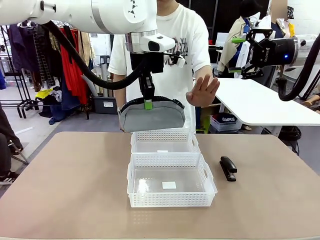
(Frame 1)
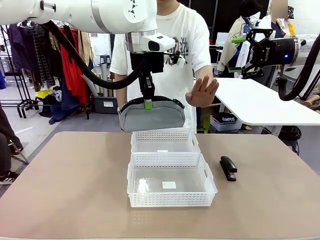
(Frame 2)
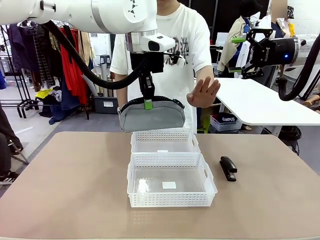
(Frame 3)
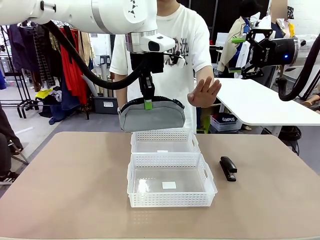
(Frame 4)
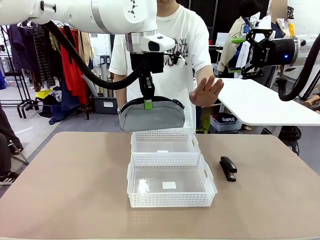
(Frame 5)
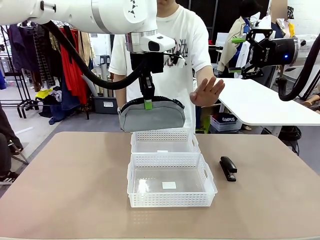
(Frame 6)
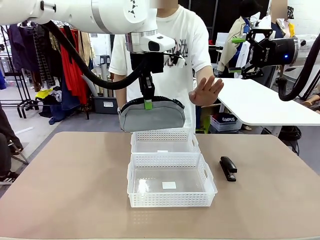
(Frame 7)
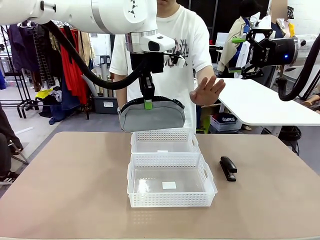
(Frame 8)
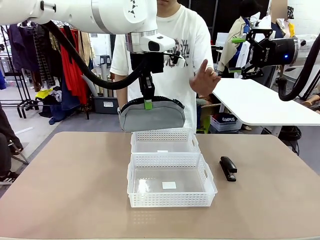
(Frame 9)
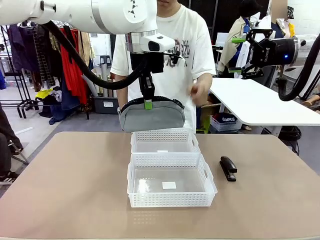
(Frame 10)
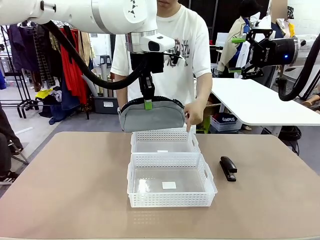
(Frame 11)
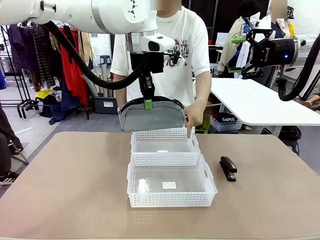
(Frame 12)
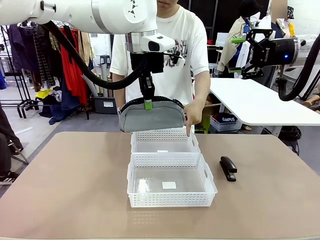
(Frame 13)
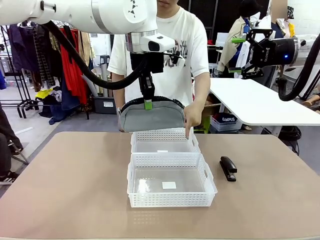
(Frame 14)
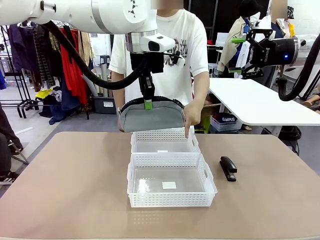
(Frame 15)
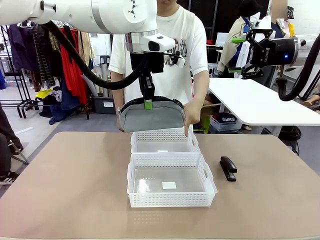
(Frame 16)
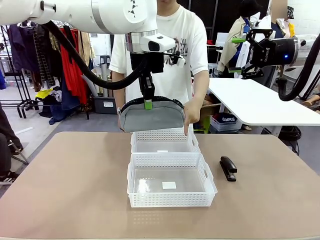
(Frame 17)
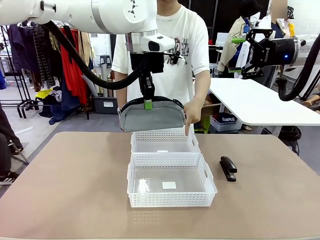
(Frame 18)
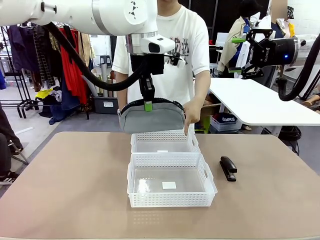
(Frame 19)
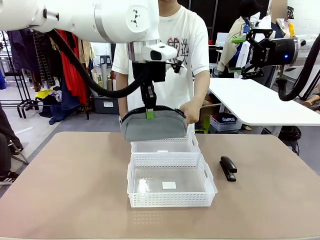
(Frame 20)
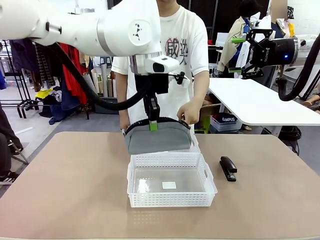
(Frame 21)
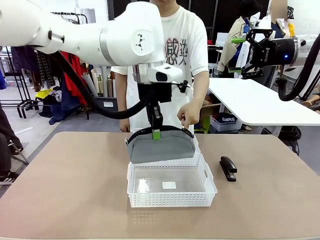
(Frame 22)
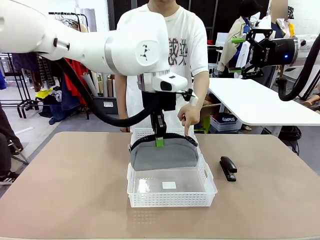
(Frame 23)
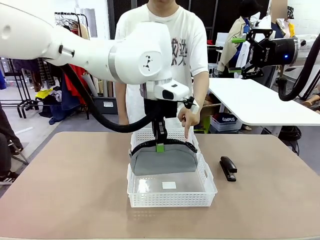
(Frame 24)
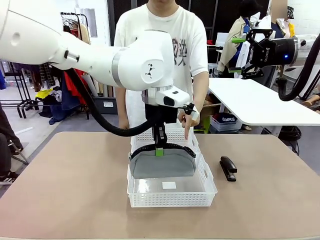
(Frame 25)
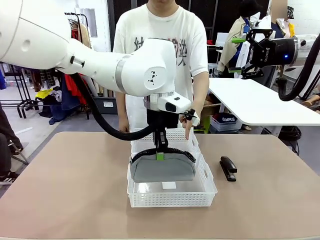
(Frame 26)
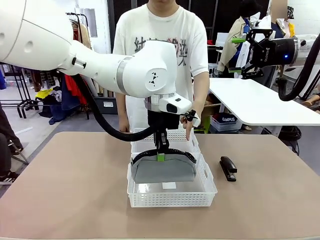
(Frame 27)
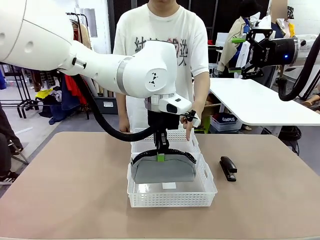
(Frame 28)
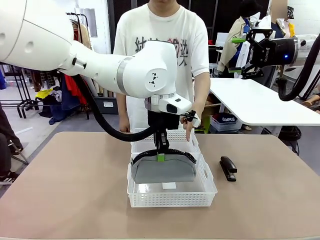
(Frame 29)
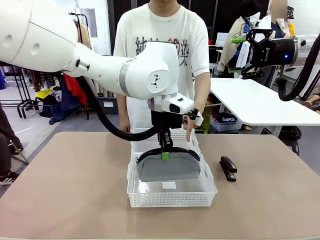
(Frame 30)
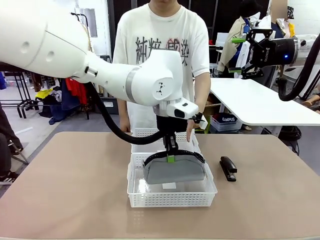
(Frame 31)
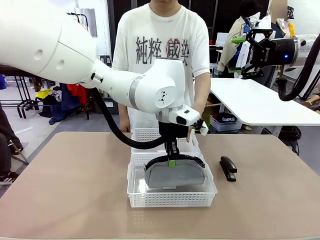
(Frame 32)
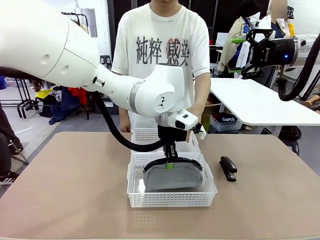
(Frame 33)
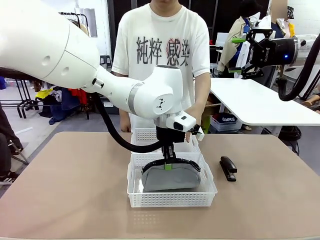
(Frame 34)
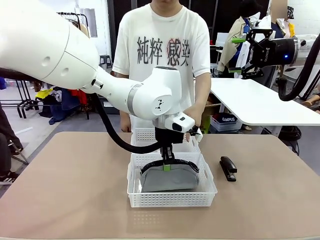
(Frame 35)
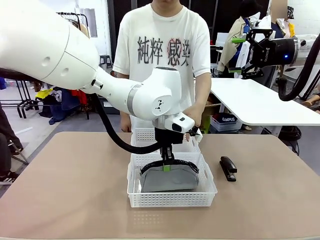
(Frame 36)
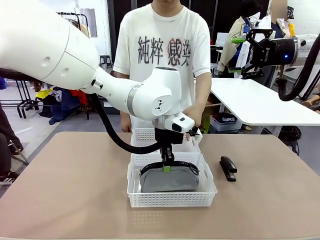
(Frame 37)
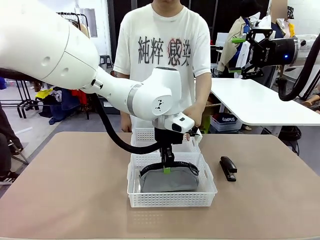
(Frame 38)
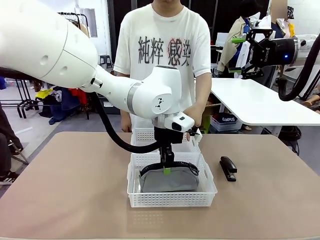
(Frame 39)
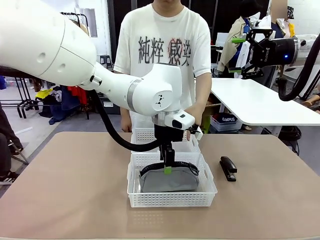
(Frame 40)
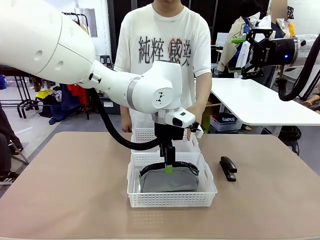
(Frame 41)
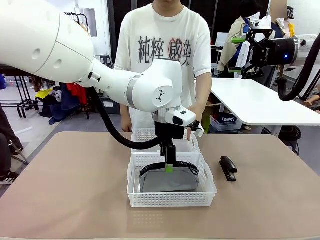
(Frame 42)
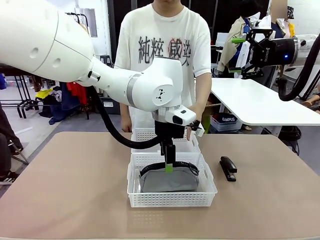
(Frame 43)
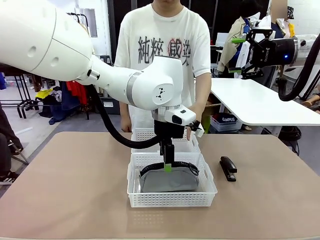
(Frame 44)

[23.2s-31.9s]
Task: Distribute items into two baskets.
Robot: Place the picked Pencil pouch into the Organizing basket as instructed by the person.
Person: Instructs the robot to place the pencil case into the opposite basket.

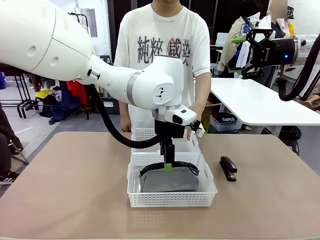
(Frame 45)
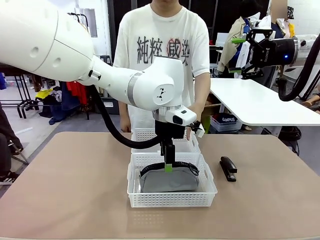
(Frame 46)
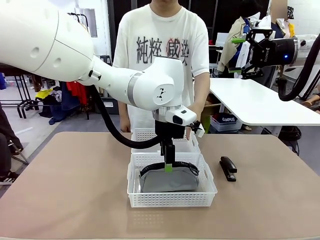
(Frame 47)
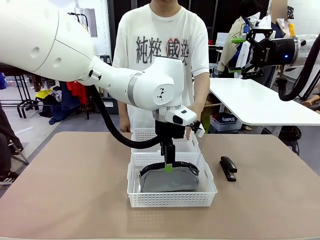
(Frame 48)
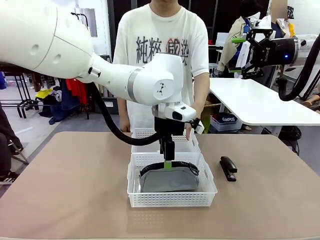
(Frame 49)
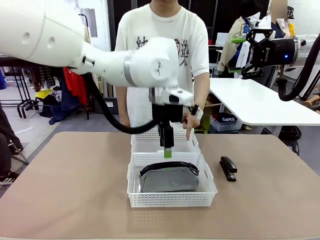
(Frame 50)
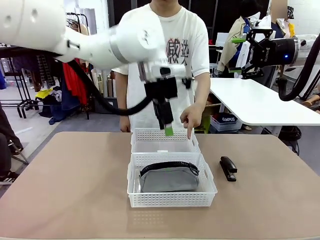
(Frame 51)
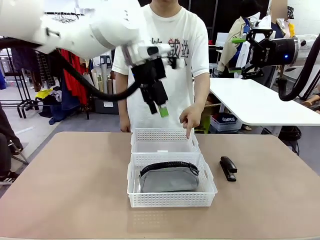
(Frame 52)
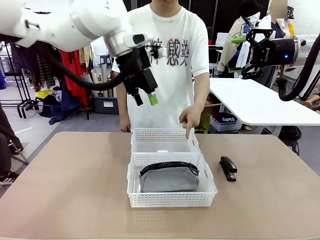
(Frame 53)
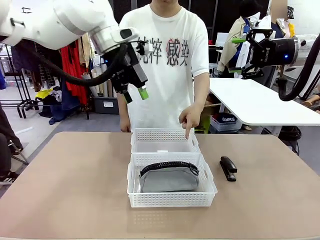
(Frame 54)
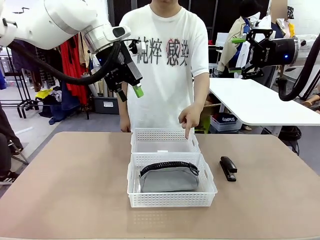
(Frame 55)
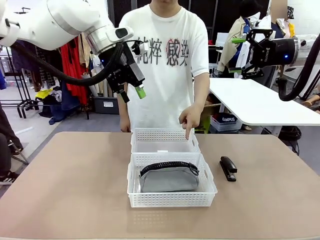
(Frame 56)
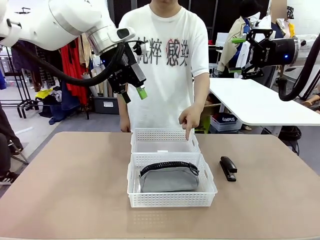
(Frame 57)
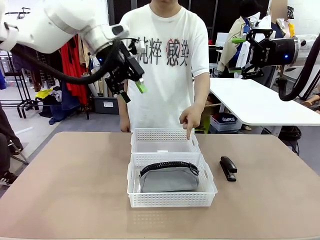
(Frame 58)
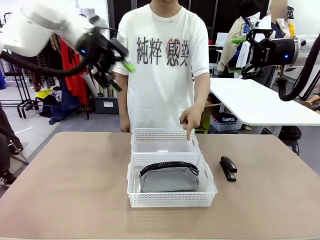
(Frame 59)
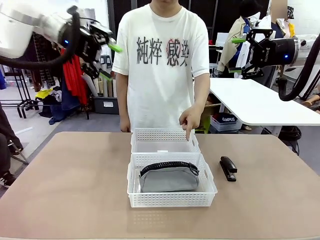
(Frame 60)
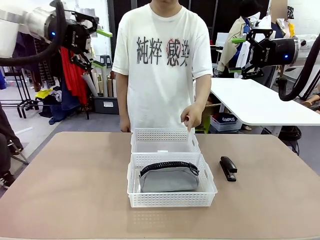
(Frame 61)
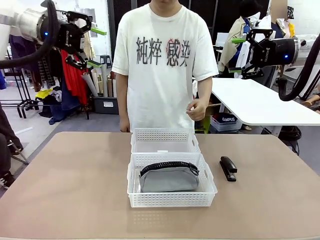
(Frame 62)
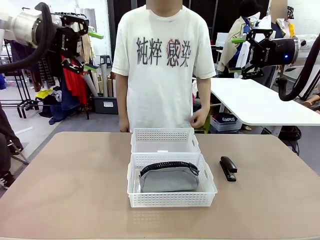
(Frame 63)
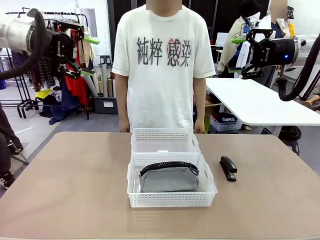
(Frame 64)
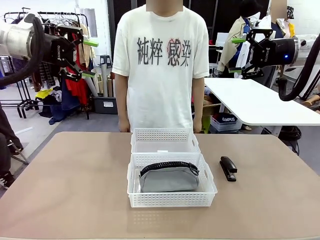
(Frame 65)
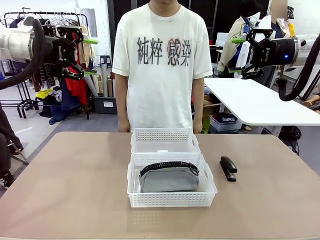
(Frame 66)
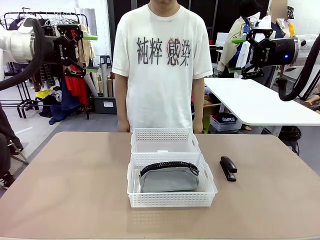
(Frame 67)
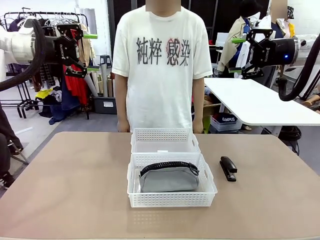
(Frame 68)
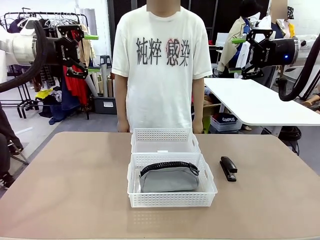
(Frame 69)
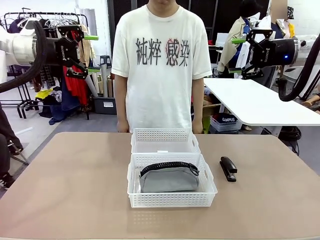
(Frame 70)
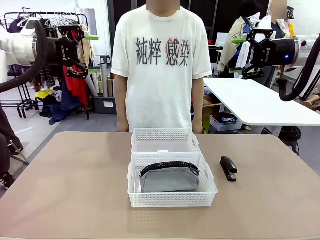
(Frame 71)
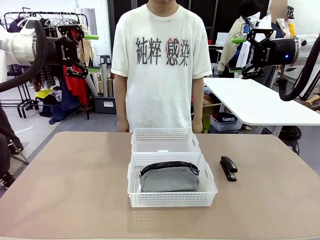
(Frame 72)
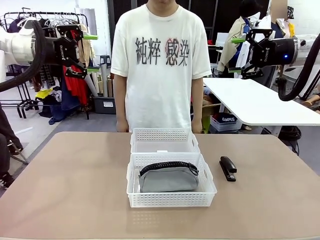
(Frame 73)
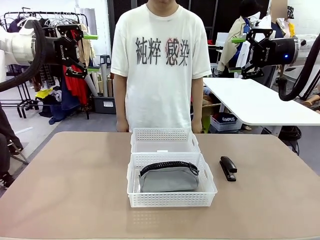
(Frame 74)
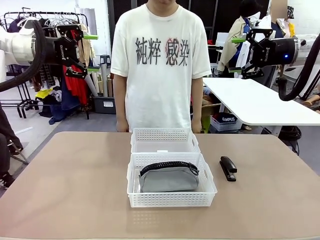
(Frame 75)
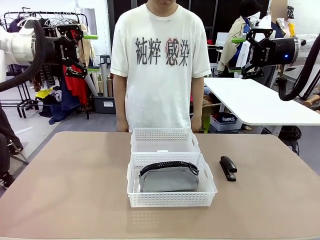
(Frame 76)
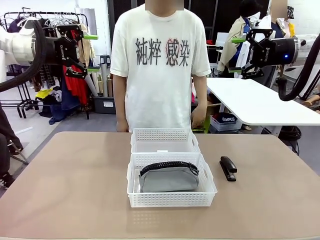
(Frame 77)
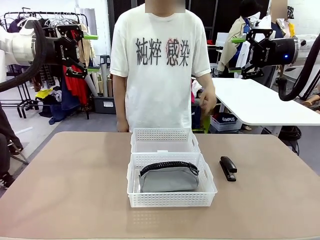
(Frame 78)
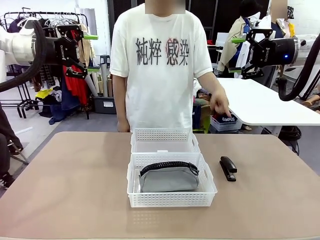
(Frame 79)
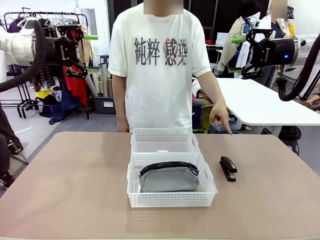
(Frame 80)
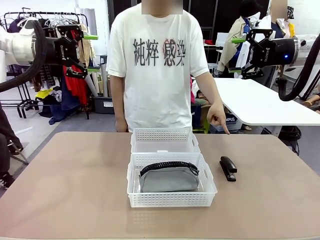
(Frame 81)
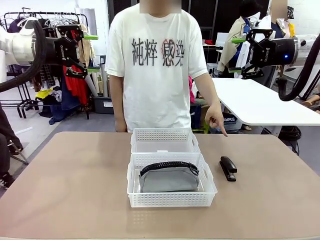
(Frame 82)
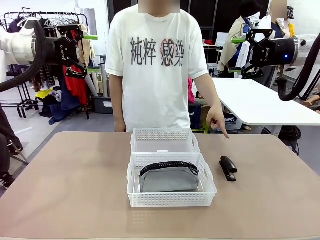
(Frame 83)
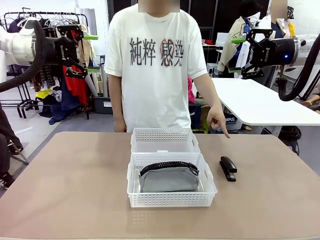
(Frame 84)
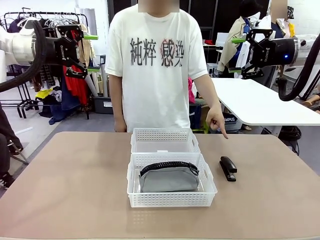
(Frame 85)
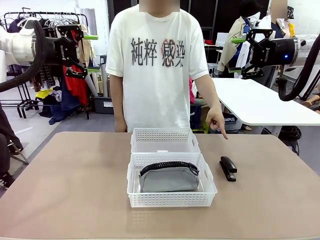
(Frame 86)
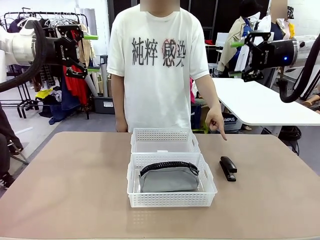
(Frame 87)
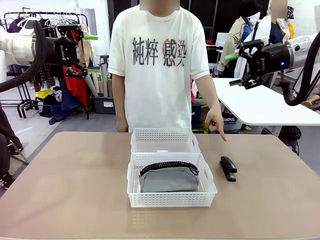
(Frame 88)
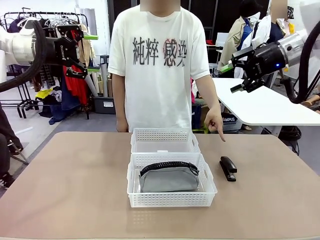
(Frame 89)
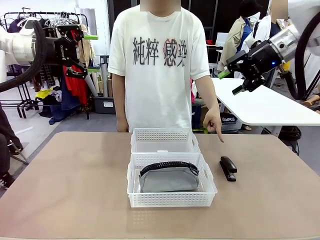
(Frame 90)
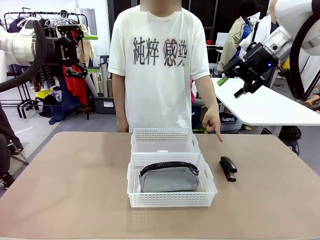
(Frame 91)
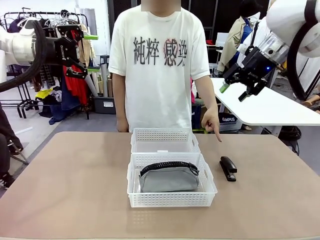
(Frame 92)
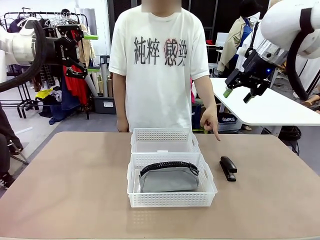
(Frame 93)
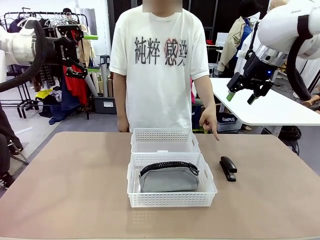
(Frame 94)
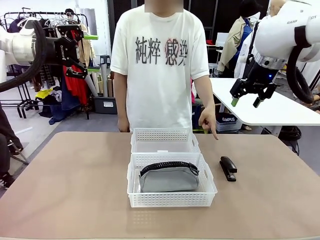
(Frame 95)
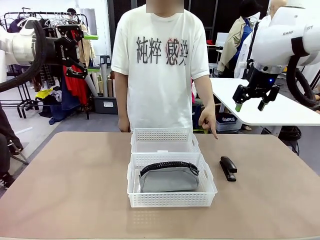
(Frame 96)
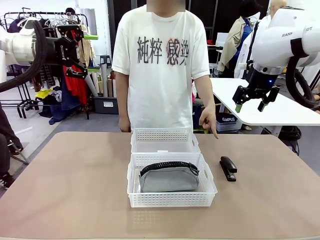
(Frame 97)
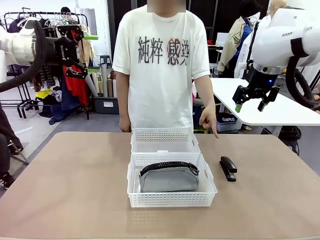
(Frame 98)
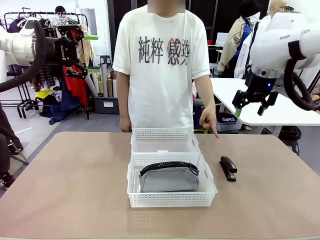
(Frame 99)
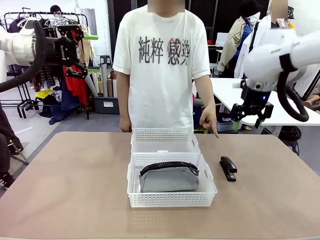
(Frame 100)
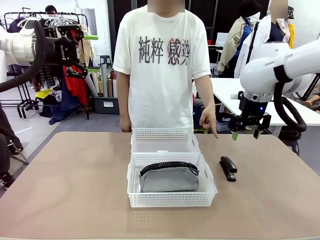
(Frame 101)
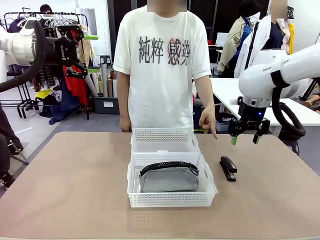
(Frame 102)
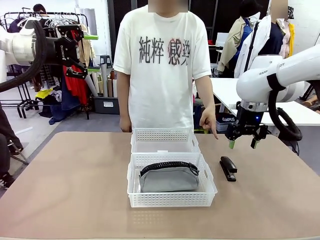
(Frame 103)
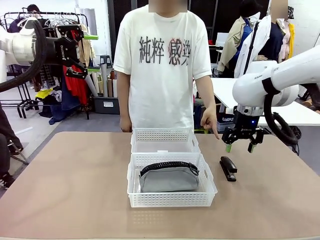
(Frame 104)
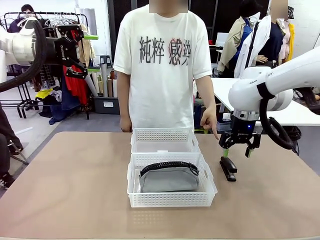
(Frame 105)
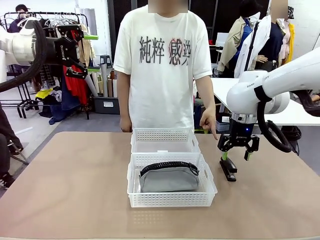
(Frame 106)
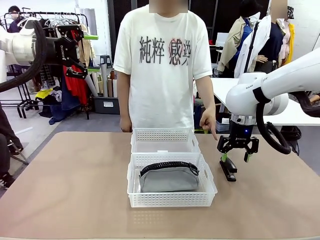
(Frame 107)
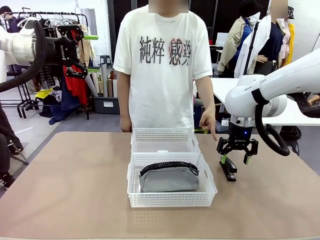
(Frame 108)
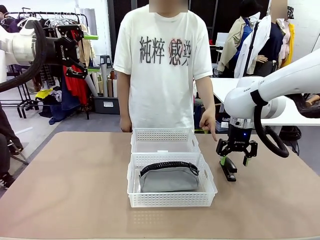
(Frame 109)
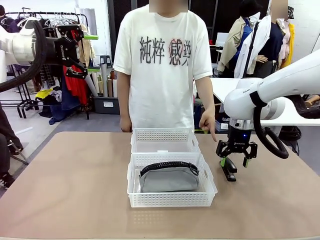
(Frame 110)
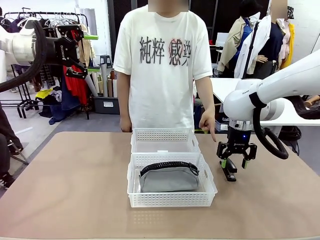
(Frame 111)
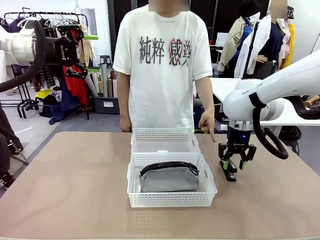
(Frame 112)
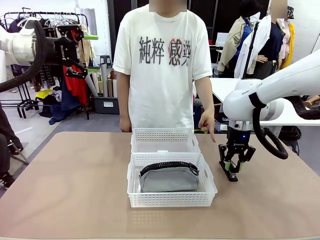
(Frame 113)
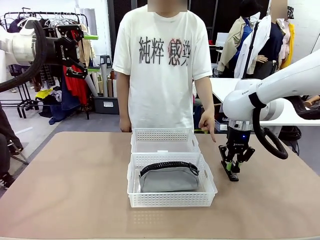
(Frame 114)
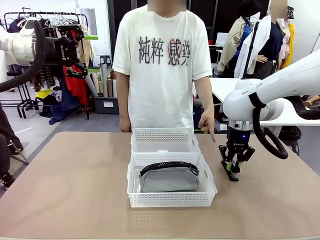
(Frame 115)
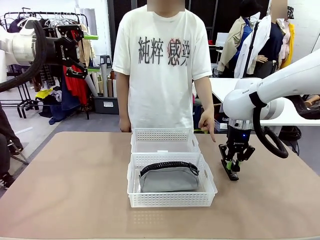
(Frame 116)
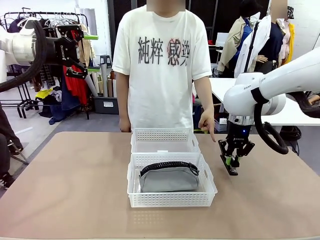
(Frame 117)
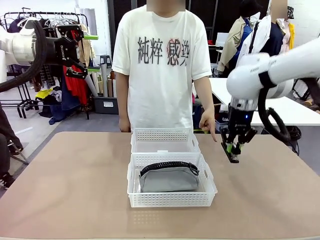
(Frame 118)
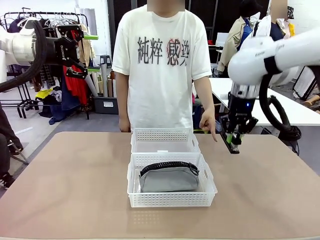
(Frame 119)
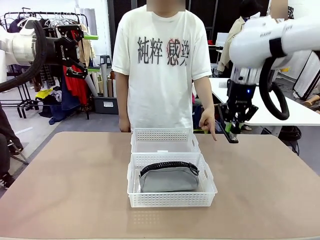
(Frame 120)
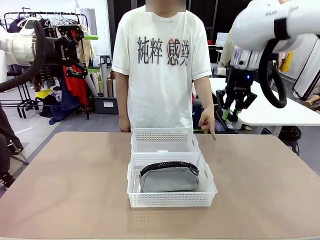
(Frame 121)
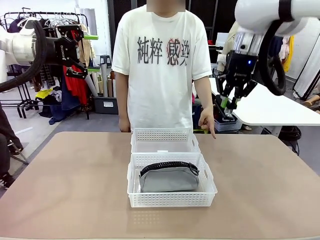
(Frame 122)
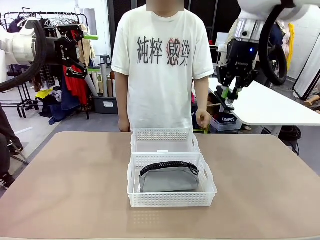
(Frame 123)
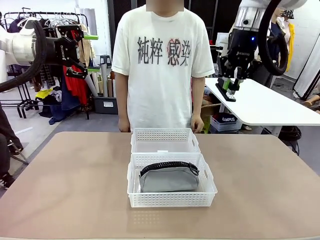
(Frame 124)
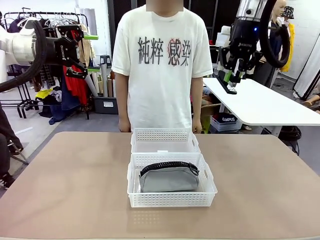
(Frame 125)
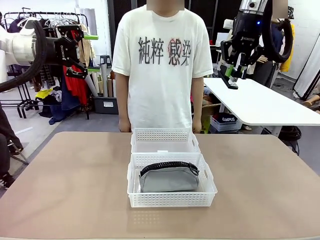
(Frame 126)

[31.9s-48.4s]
Robot: Pick up the Stapler that the person points to.
Person: Points to the stapler.
